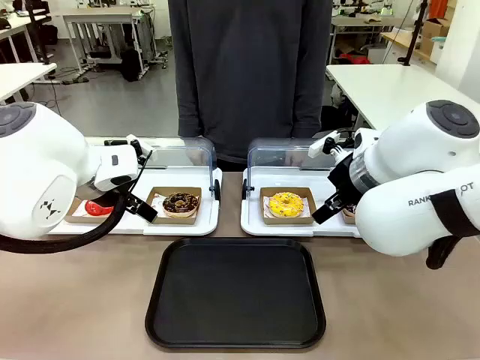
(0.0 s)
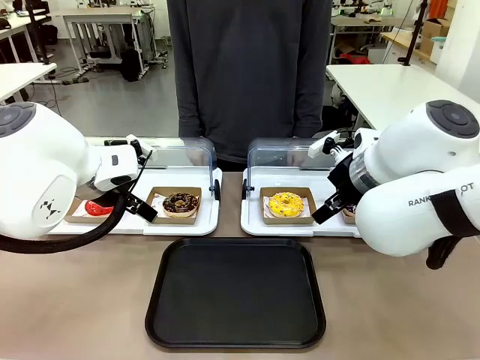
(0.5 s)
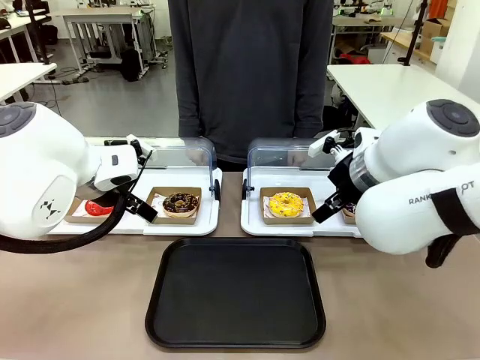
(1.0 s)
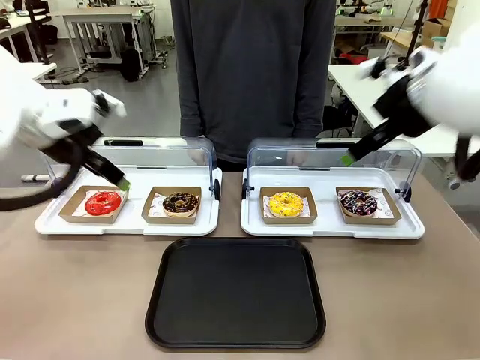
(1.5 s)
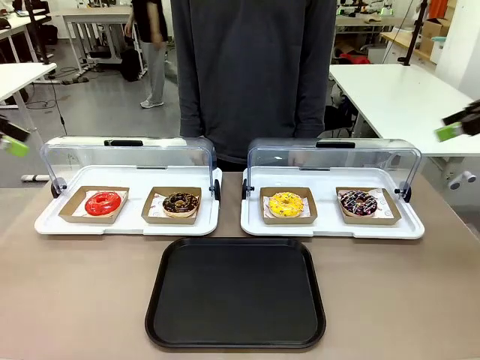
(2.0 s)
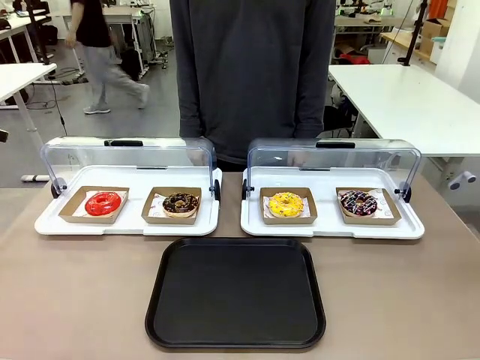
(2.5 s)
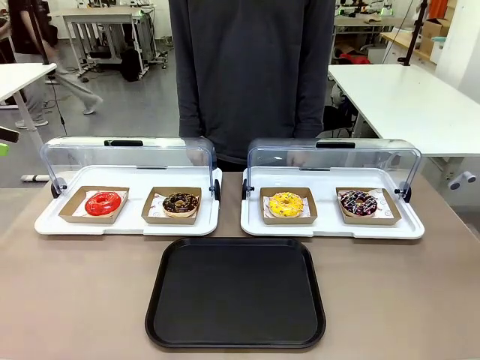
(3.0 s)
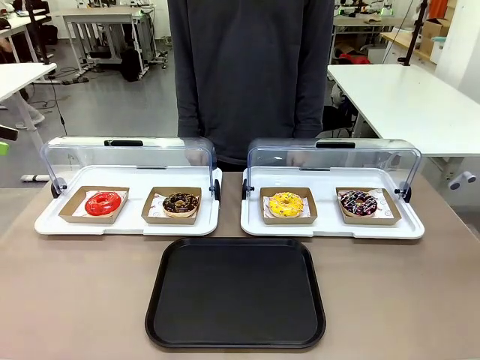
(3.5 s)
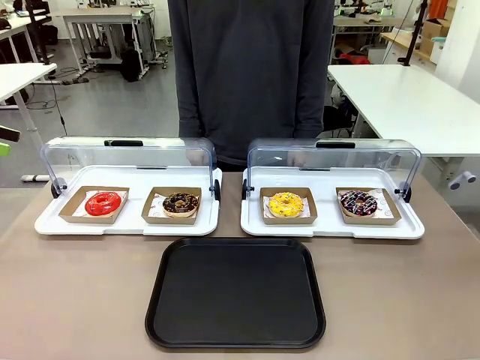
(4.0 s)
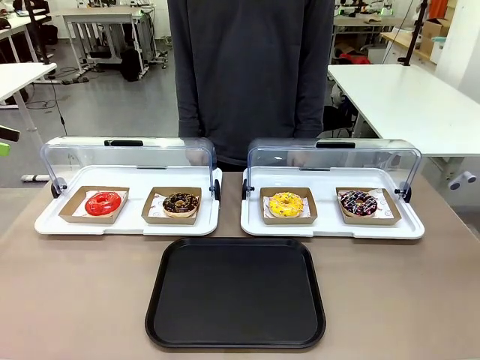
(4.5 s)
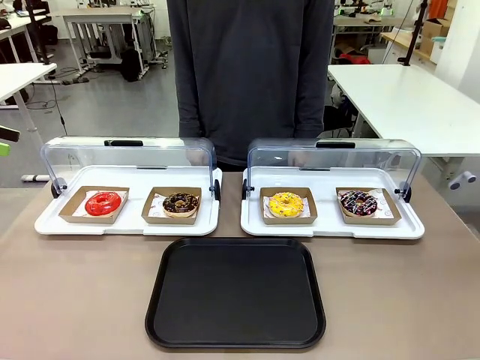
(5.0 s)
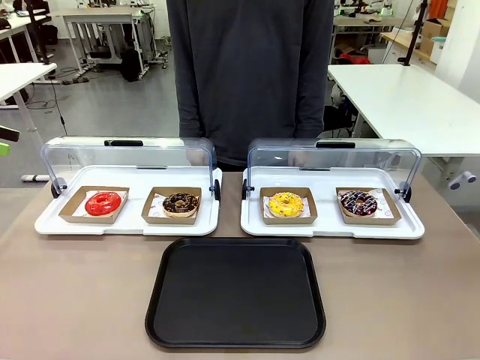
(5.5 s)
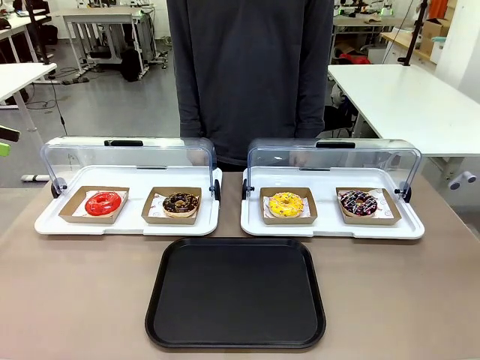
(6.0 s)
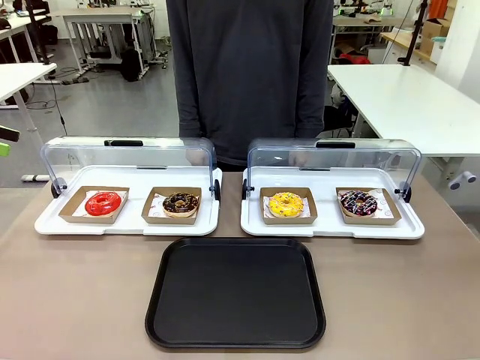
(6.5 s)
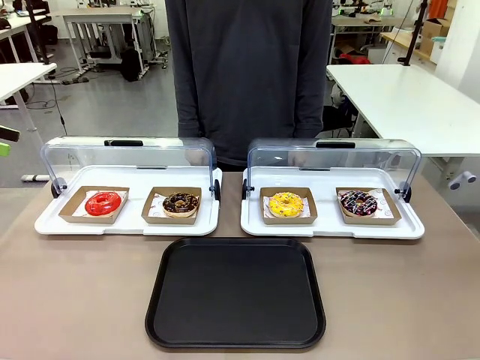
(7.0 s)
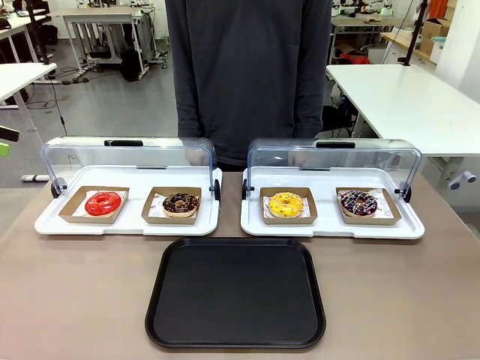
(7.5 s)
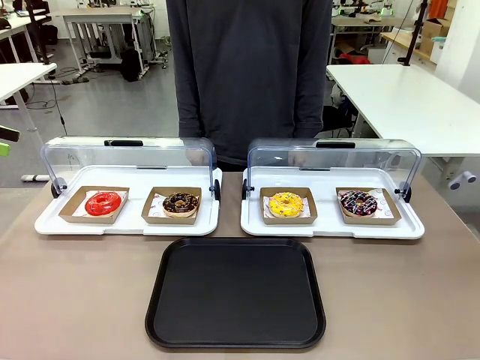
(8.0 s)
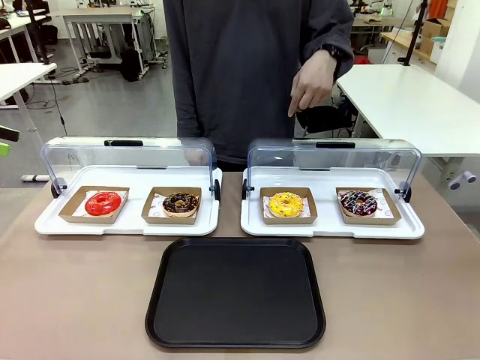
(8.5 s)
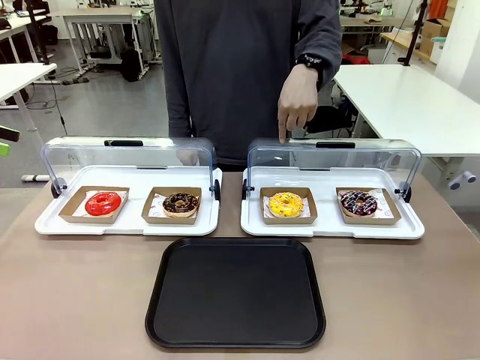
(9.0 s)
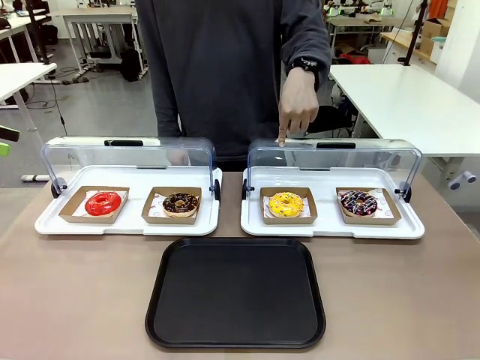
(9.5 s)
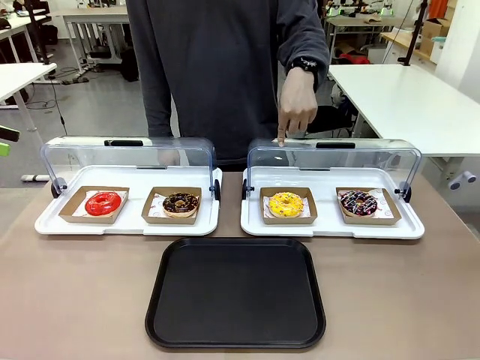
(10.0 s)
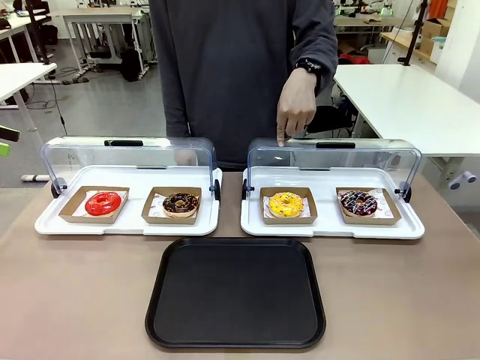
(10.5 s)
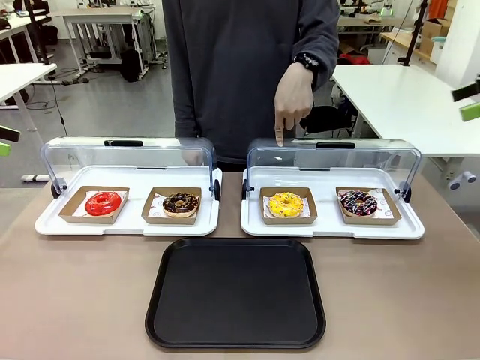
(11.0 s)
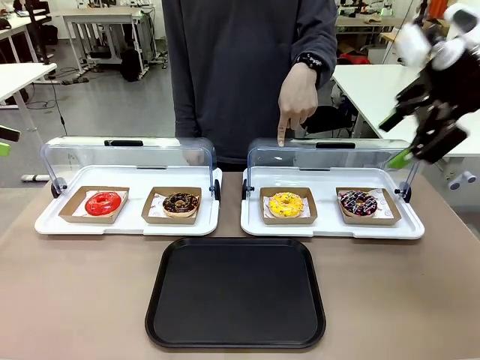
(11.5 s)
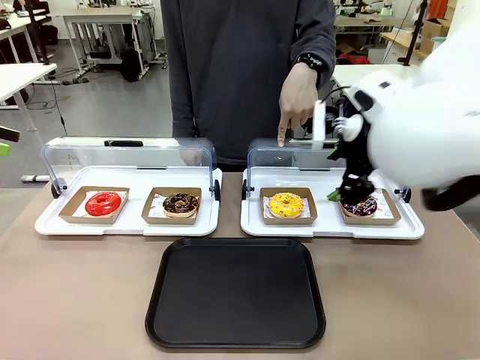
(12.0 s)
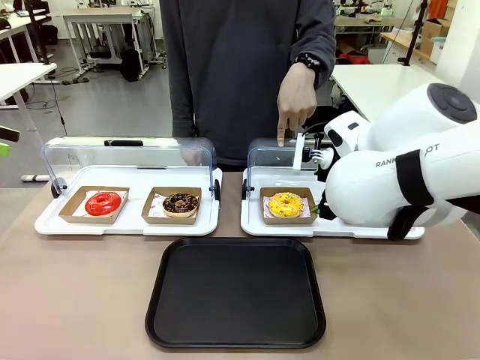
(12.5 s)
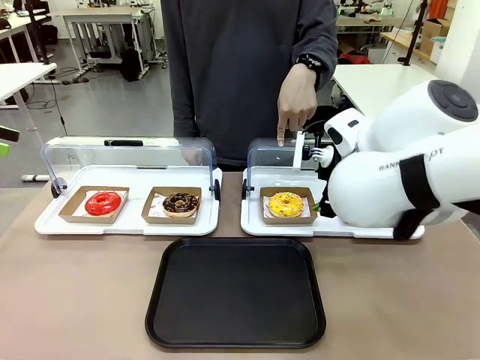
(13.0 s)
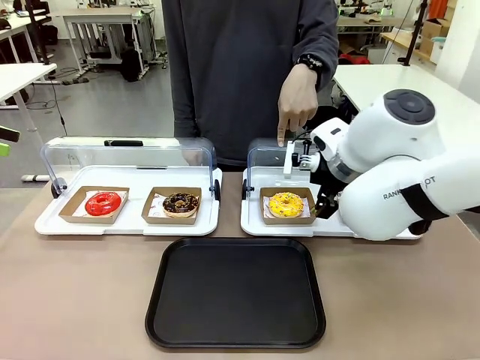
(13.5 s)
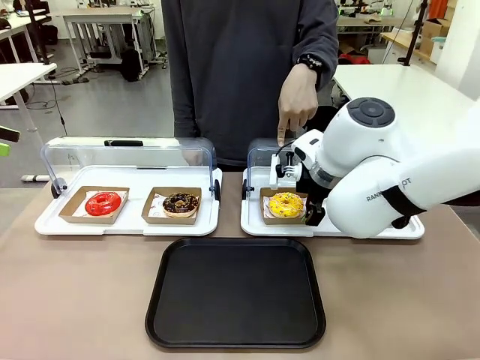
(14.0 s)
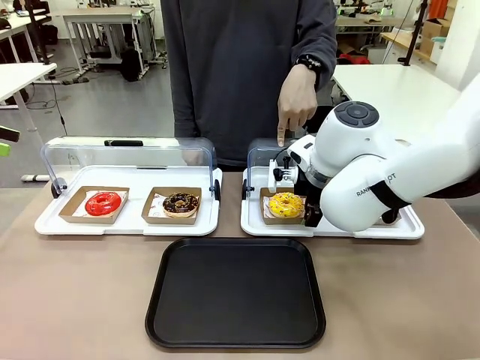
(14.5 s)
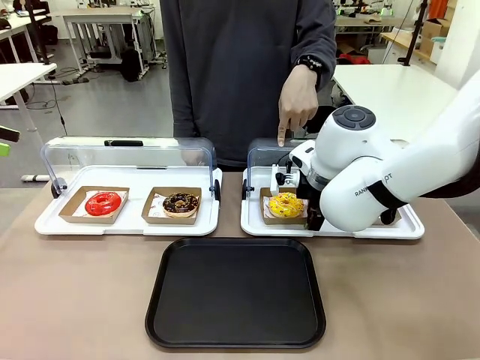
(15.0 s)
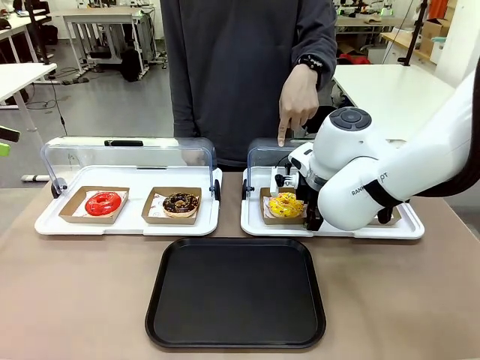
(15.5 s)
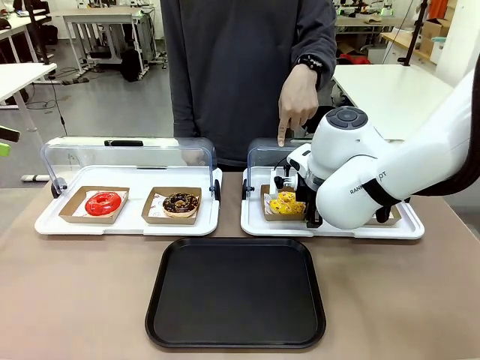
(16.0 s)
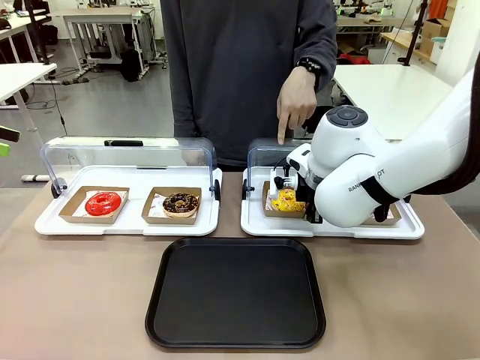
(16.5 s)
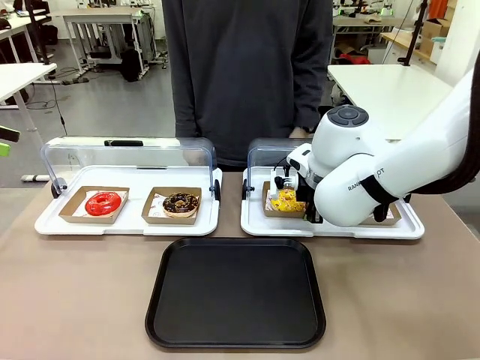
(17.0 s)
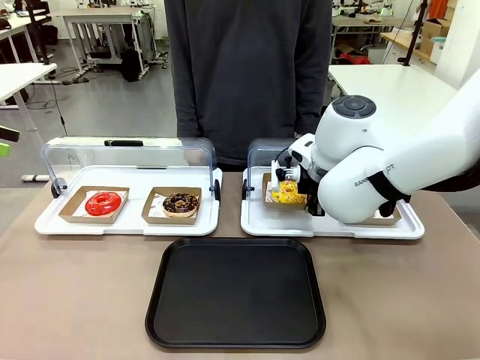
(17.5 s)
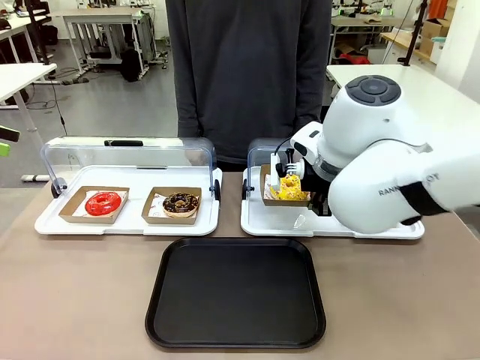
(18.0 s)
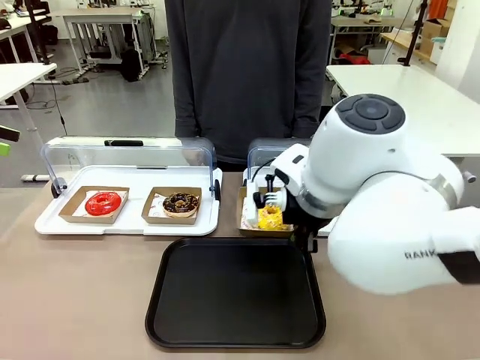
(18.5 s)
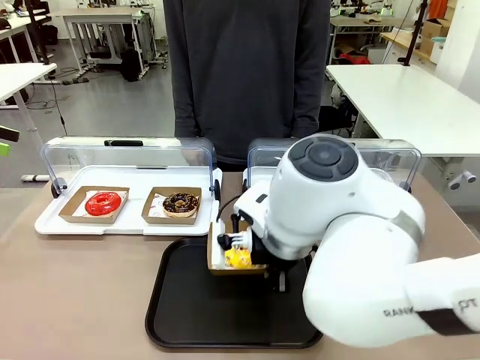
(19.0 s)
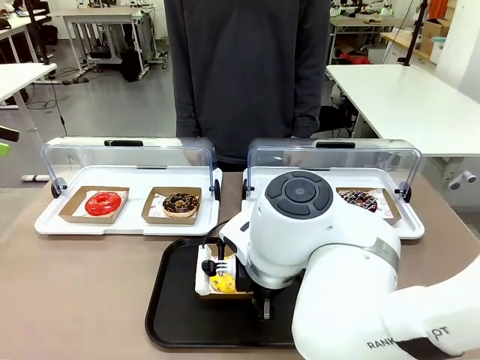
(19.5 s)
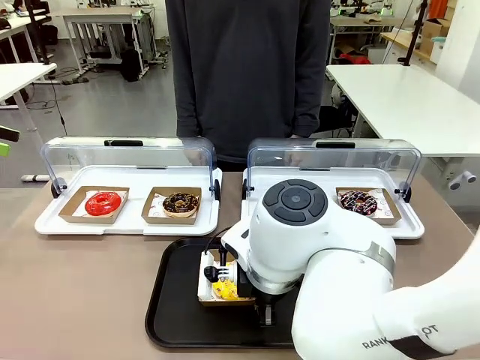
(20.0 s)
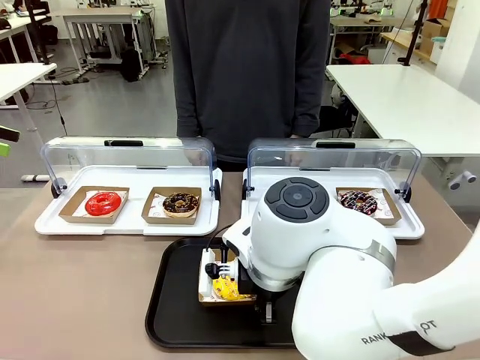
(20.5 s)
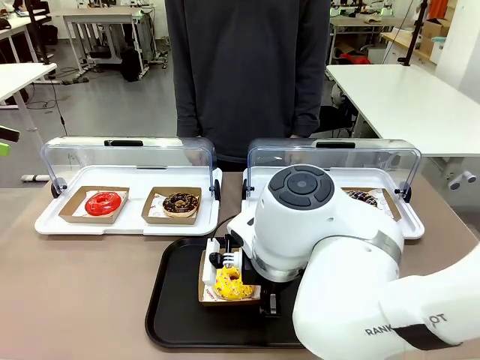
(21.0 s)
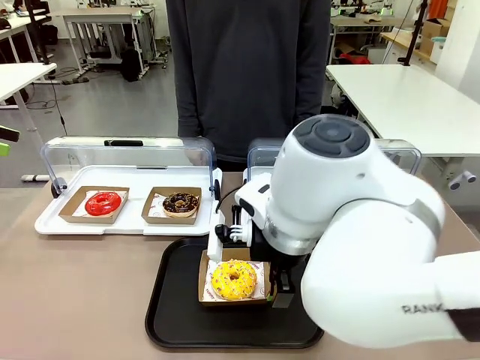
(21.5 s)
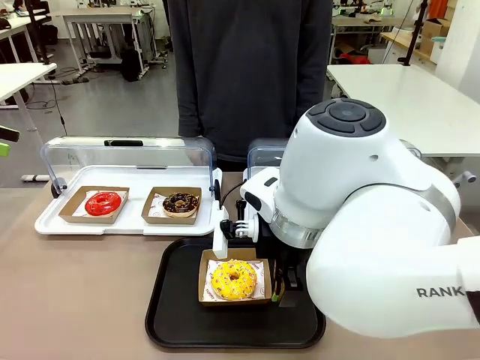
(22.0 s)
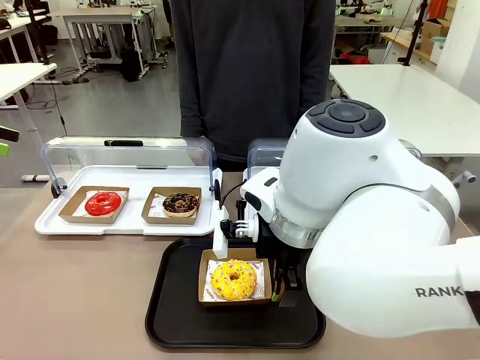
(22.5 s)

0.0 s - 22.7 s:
Task: Move the third donut from the left to the tray.
Robot: Pick up the Paper togo box containing the Donut indicated by the person and place it on the Handle tray.
Person: Points to the third donut from the left from the robot’s perspective.
